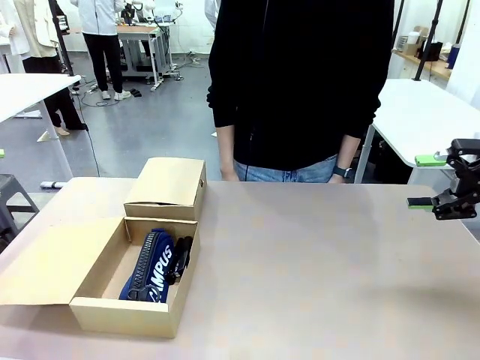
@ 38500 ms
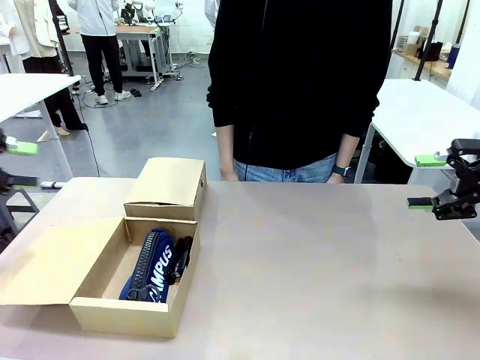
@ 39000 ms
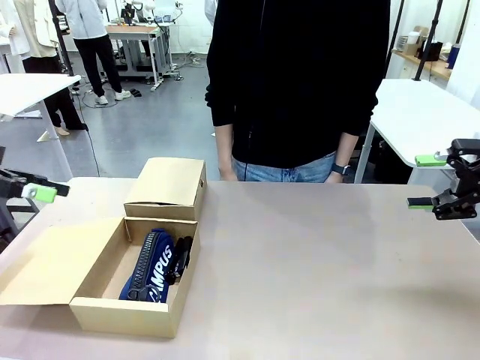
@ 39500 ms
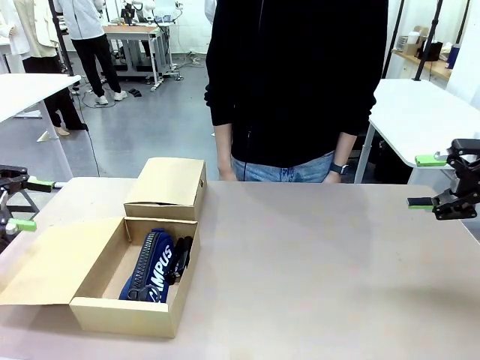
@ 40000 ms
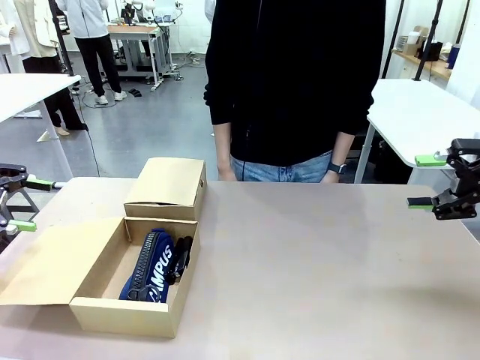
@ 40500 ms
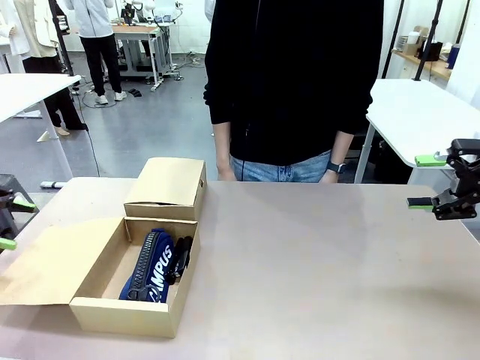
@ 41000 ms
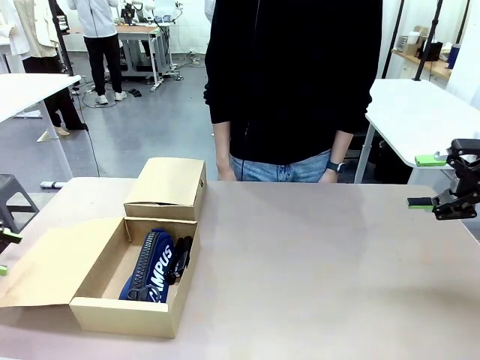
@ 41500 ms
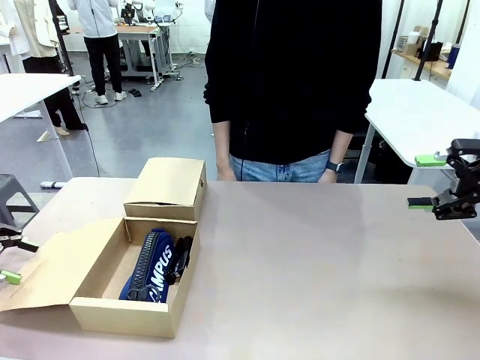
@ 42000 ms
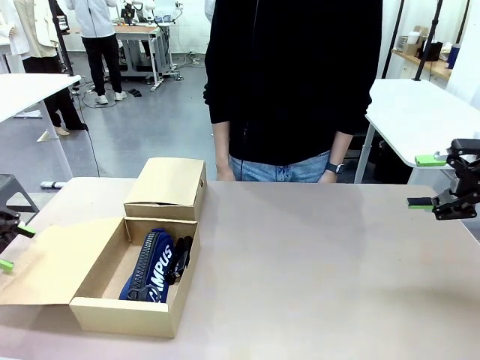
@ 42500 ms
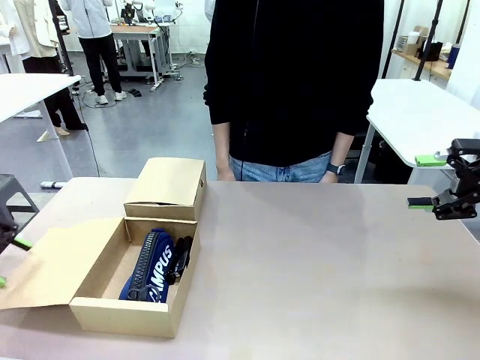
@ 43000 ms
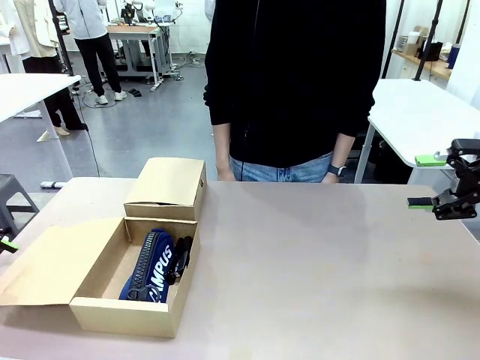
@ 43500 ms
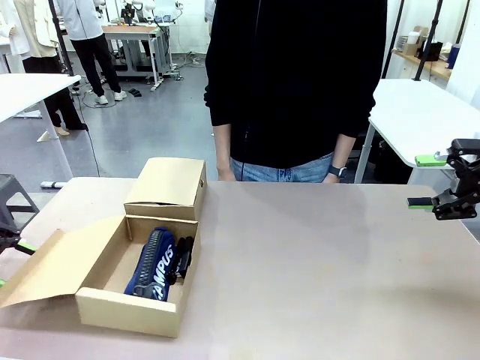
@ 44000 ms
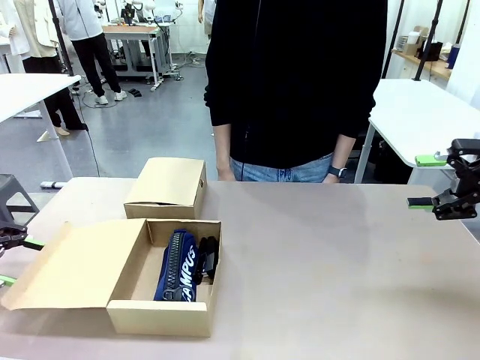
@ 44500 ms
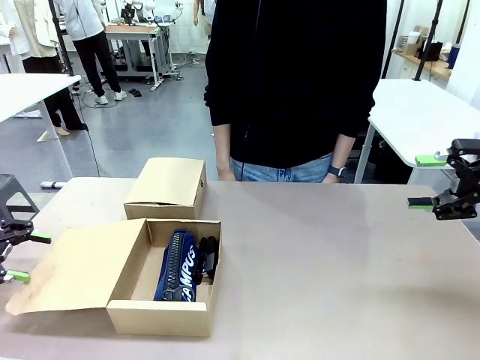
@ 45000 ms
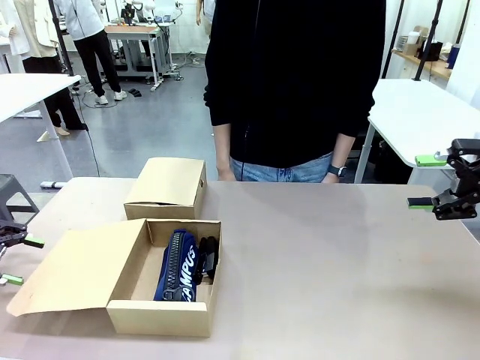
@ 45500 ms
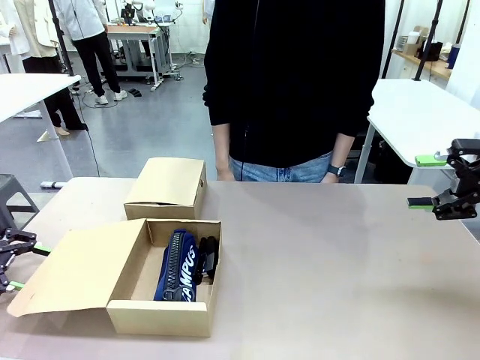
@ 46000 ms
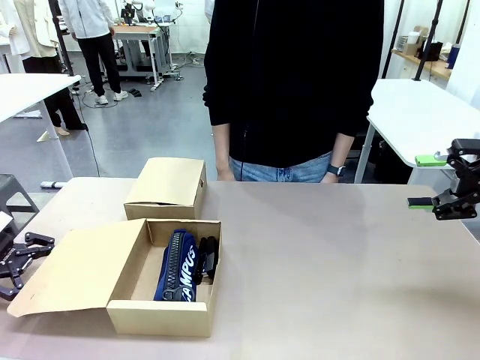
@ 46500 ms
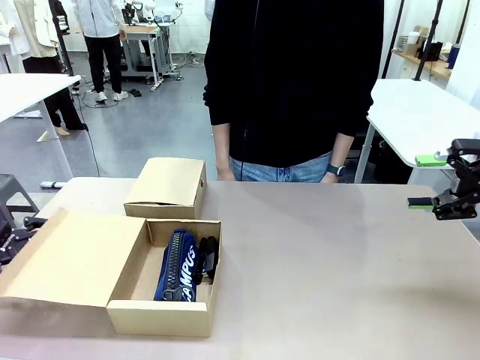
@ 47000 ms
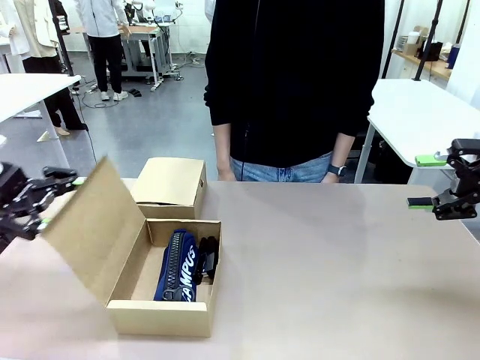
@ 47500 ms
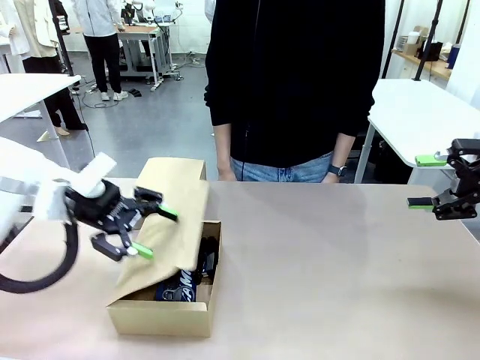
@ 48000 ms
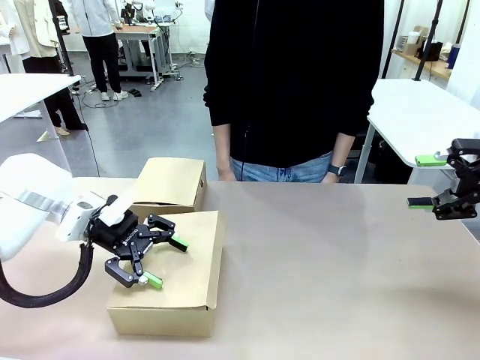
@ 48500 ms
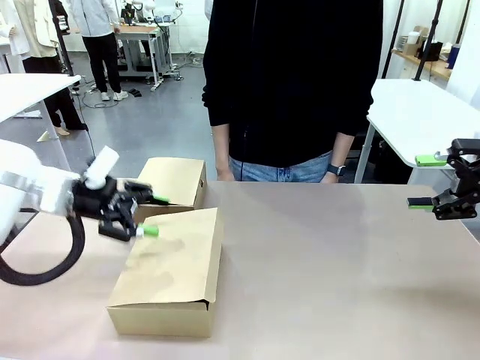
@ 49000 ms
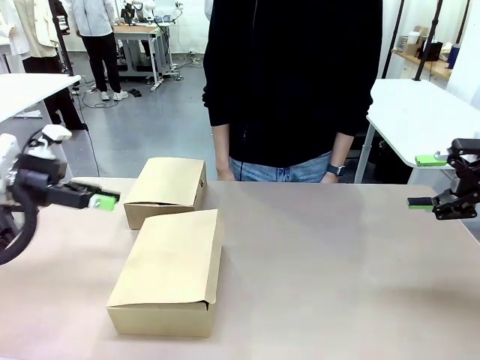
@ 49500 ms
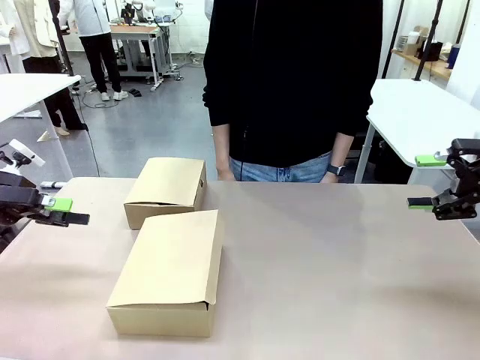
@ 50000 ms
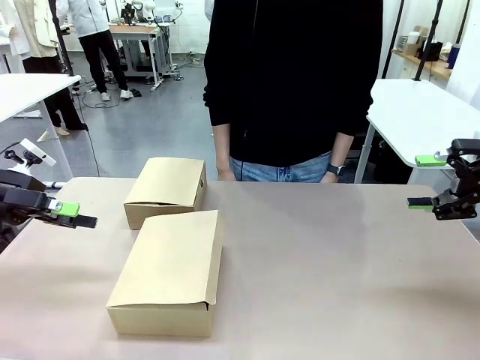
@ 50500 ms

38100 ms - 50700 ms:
Task: Place items inside the box.
Robot: Close the lid of the Mailer Box closest to the robot.
Person: Close the lid of the box facing the person.

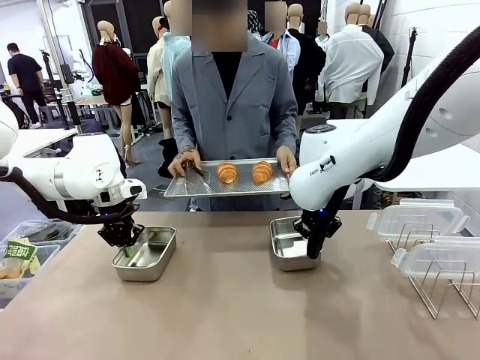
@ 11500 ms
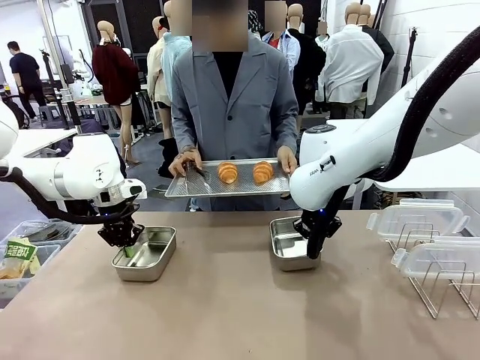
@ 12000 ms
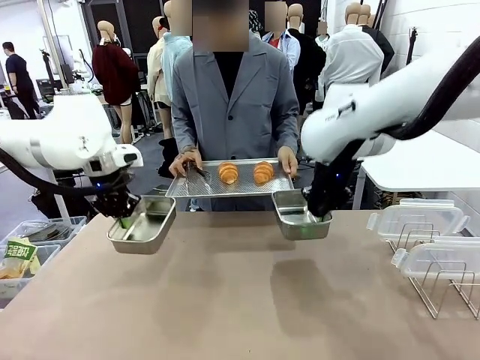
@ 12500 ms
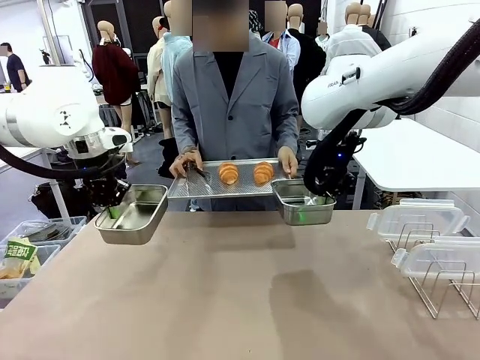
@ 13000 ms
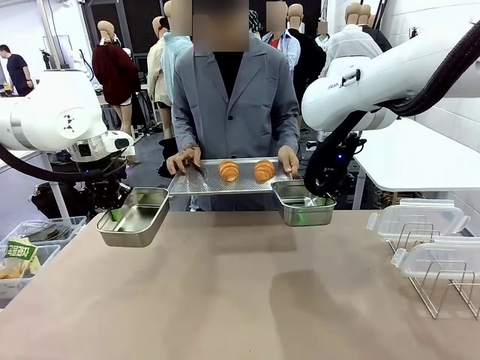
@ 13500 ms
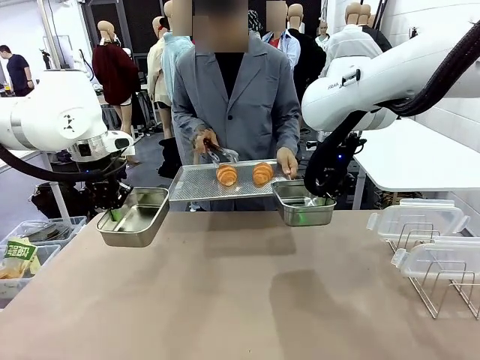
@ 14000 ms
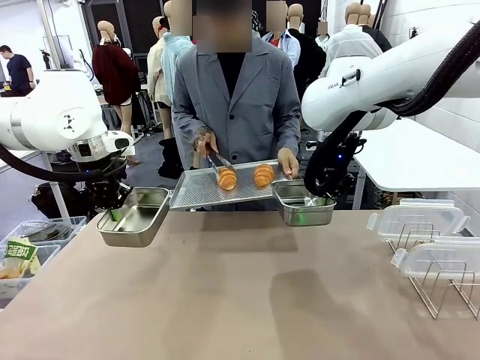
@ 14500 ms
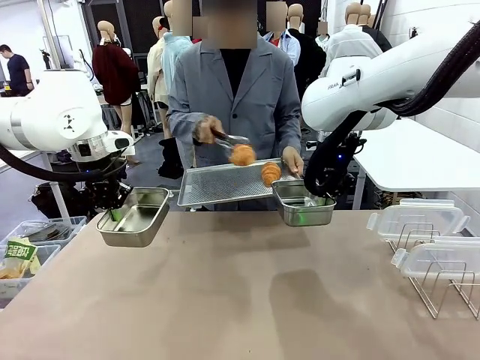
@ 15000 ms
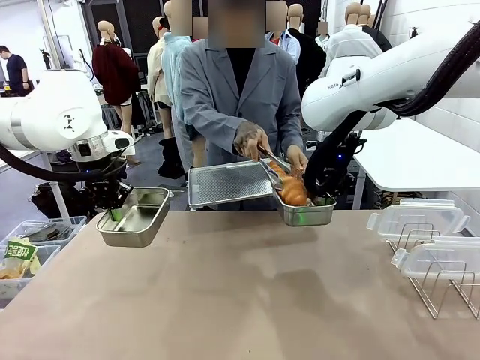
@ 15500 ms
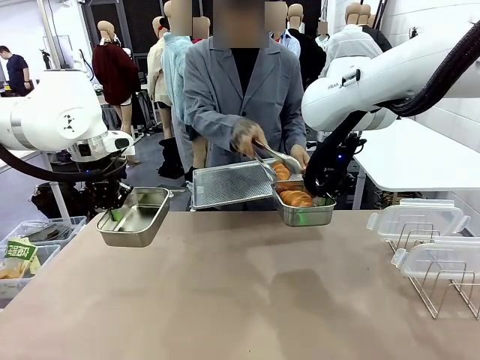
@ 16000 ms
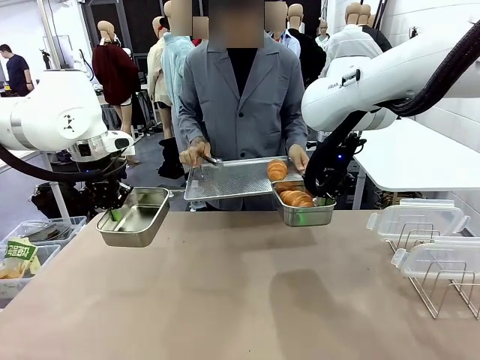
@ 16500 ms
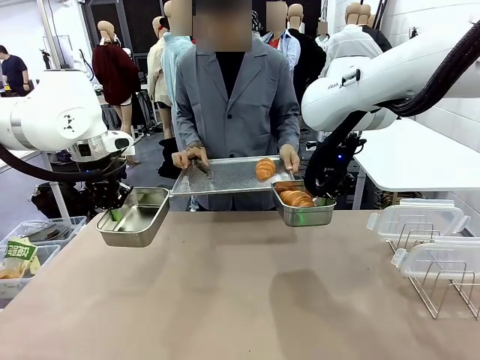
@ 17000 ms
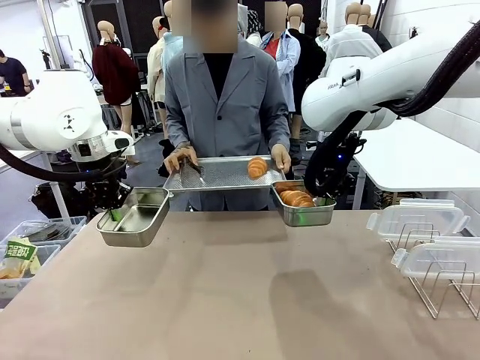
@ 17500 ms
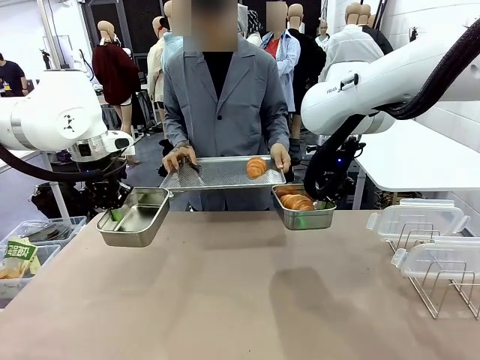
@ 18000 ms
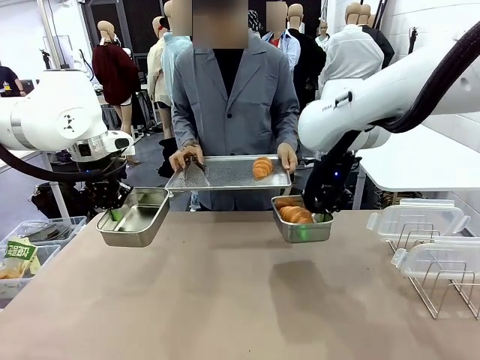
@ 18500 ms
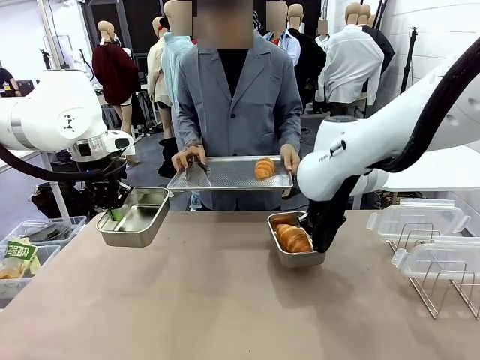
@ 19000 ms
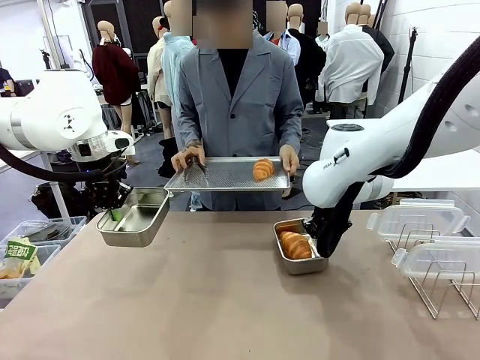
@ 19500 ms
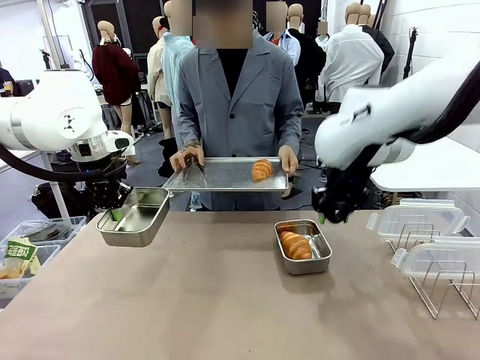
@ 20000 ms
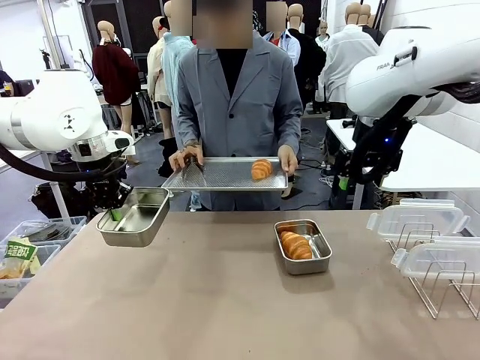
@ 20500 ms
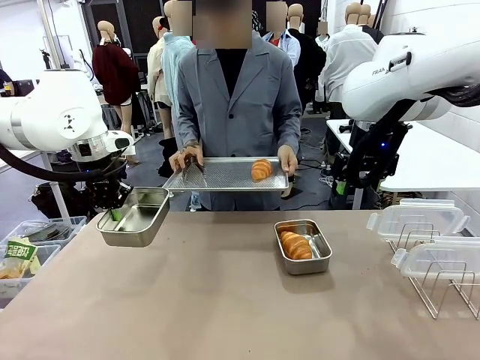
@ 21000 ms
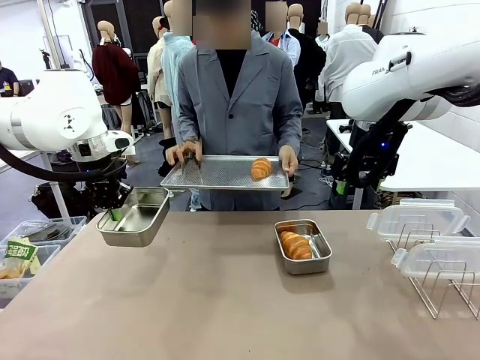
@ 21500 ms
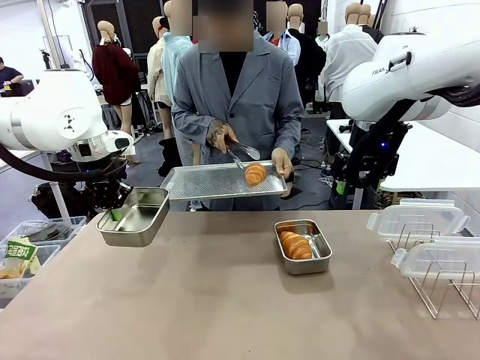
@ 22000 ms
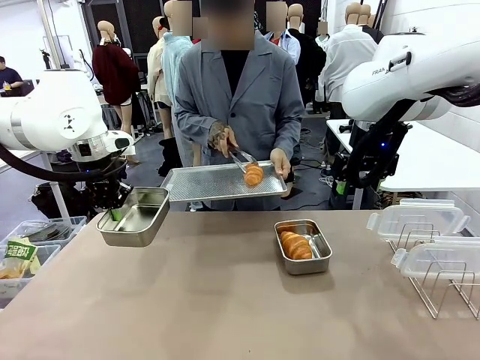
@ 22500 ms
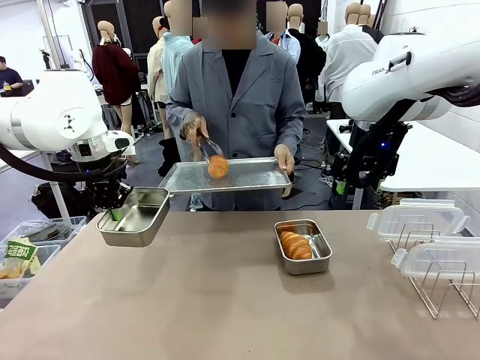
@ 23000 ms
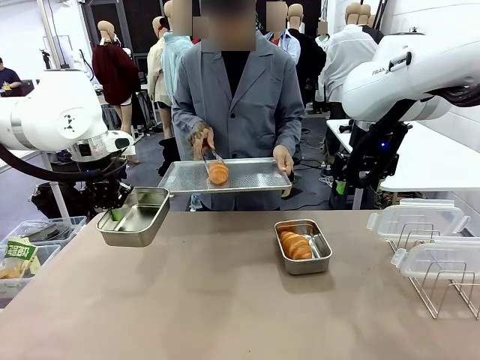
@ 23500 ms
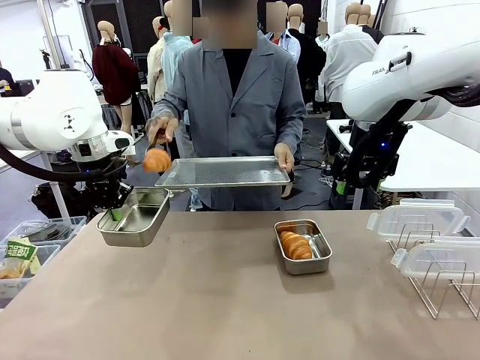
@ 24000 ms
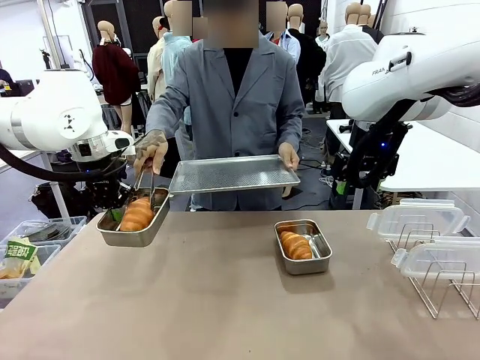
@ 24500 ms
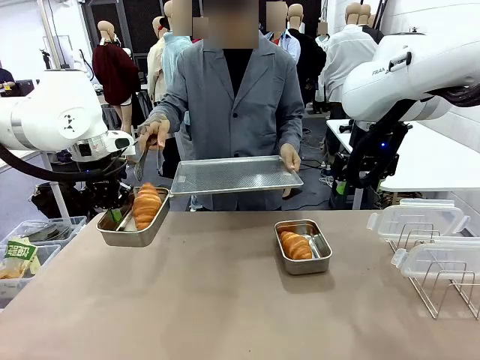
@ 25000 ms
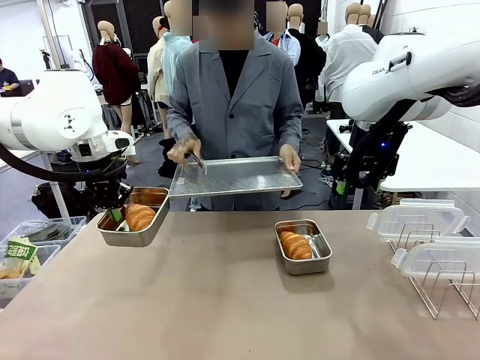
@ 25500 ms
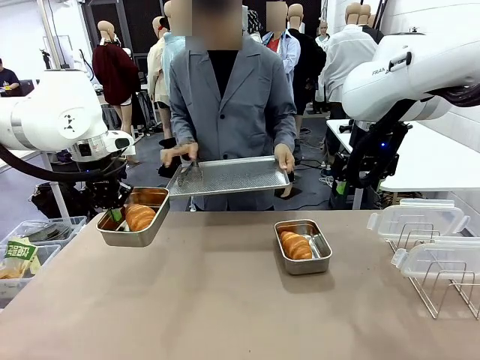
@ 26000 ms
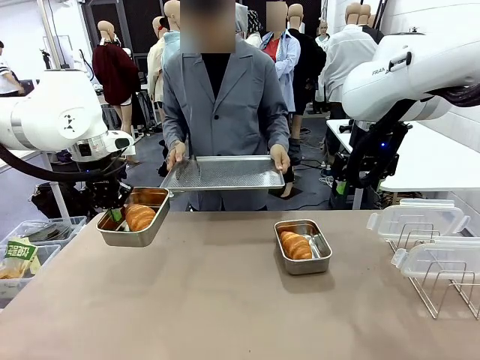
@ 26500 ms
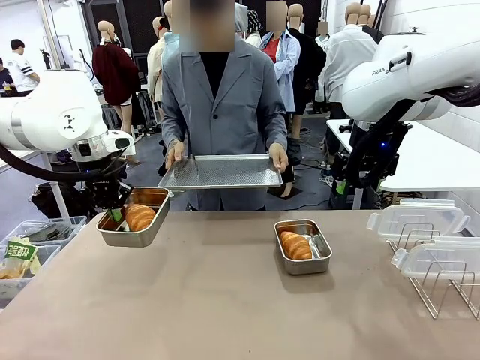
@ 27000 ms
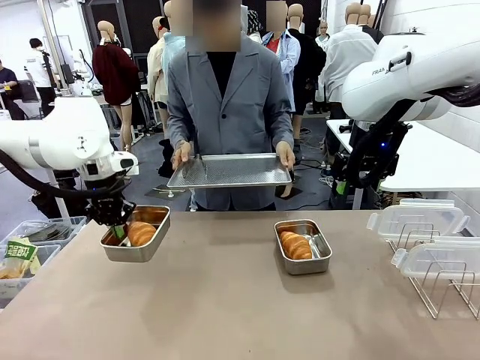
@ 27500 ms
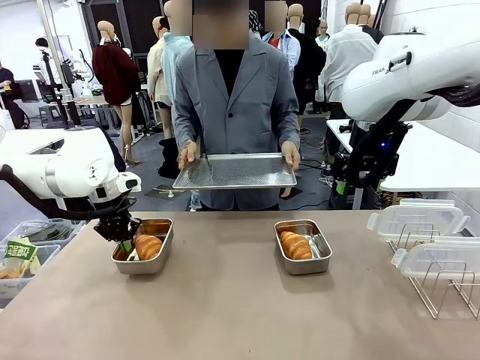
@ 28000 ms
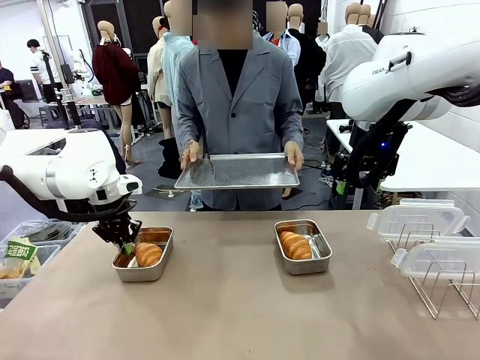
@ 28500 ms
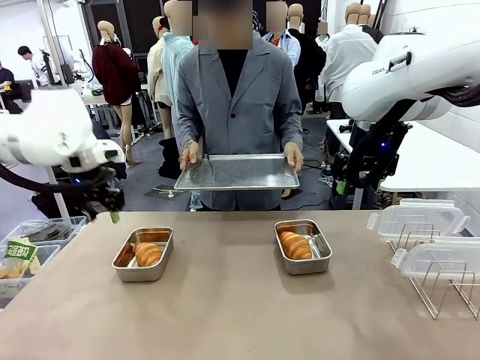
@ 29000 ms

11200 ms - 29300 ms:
Task: Place the bread in airtight containers.
Robot: Once an object is inside an Airtight Container , place the container in the center of the table.
Person: Use the Stainless steel tongs to place one object from Baking Sheet into one Airtight Container.
